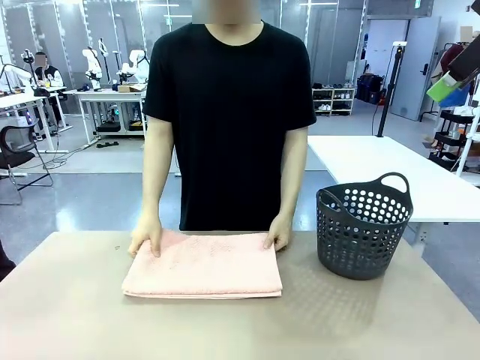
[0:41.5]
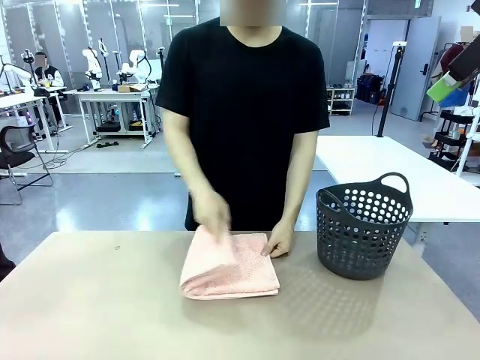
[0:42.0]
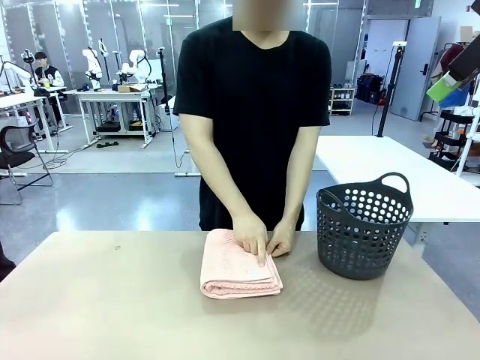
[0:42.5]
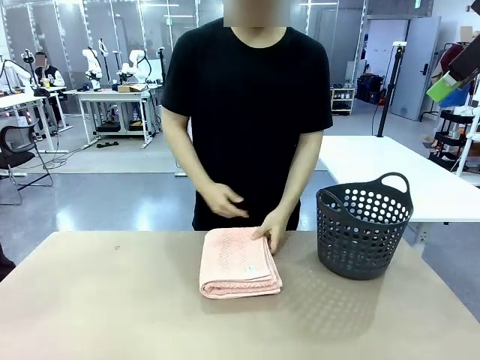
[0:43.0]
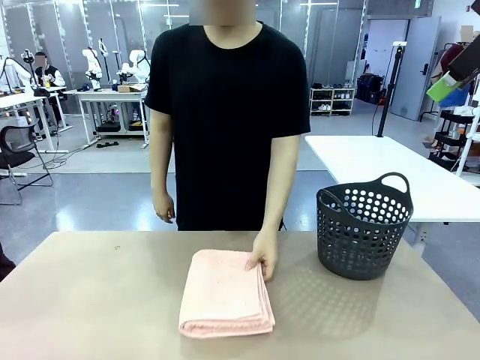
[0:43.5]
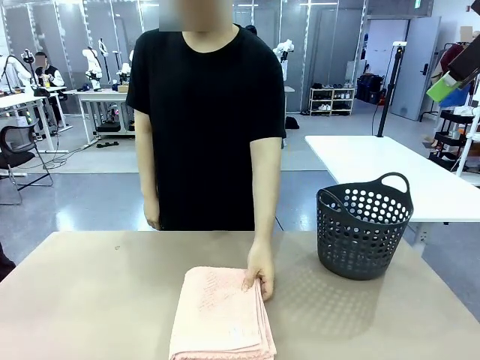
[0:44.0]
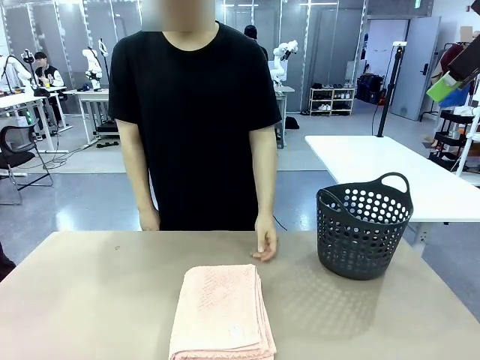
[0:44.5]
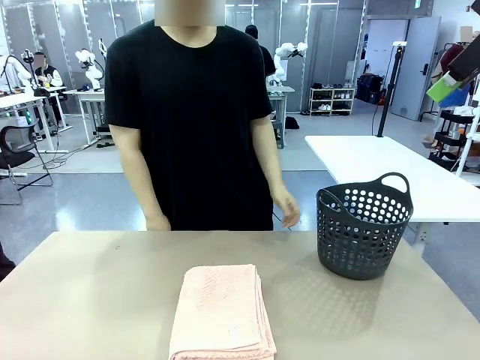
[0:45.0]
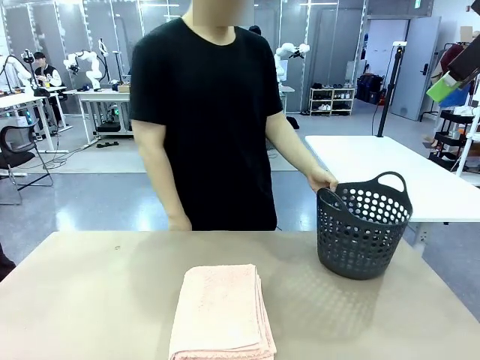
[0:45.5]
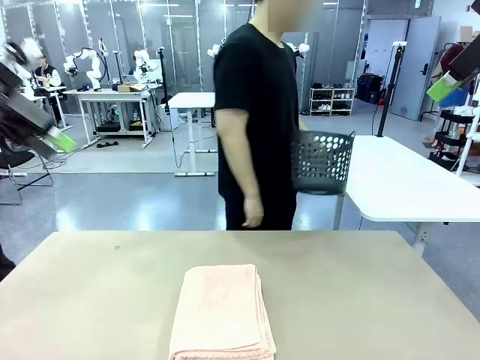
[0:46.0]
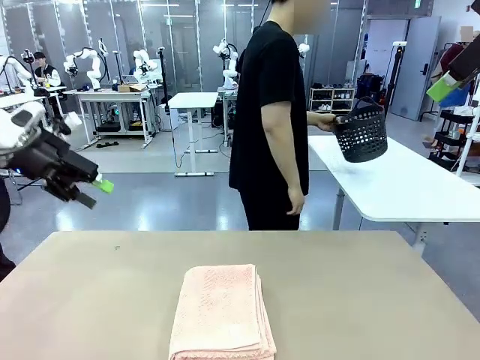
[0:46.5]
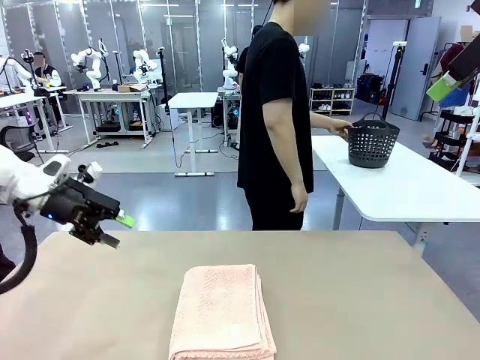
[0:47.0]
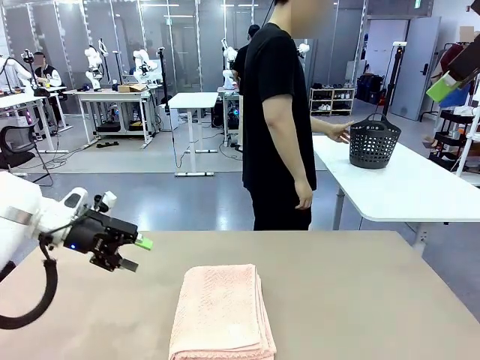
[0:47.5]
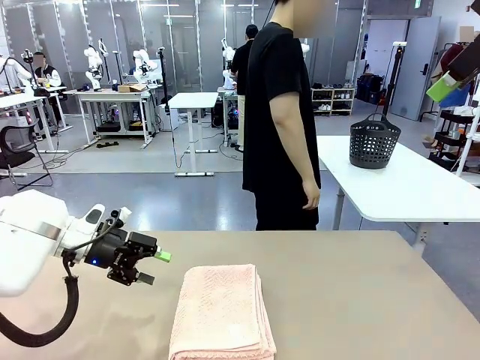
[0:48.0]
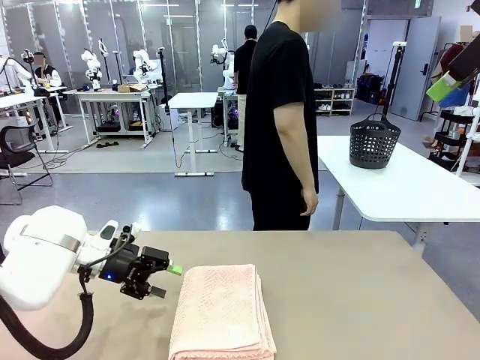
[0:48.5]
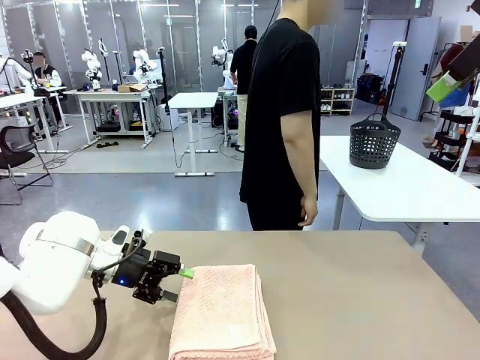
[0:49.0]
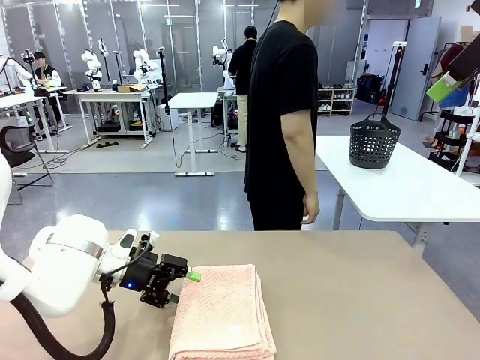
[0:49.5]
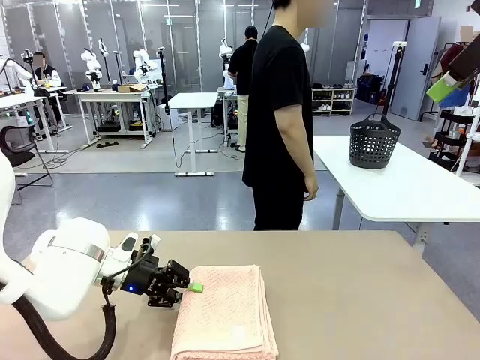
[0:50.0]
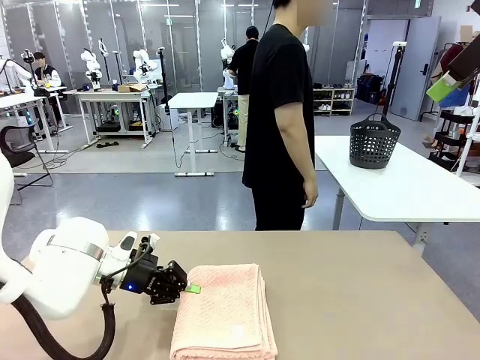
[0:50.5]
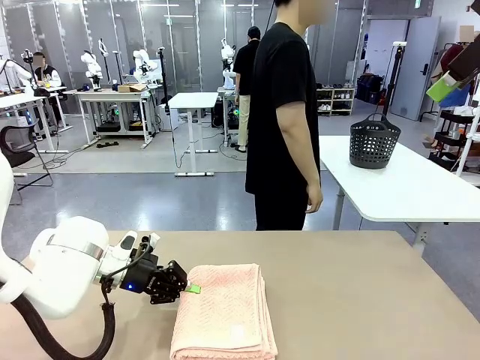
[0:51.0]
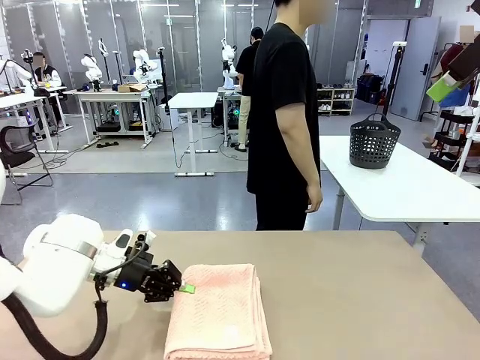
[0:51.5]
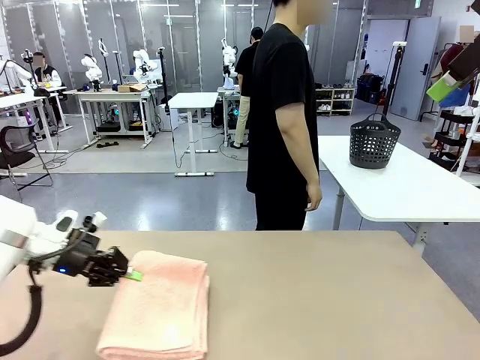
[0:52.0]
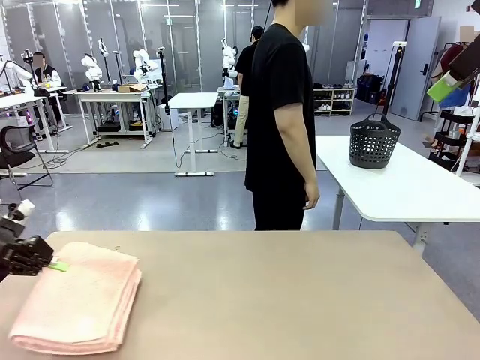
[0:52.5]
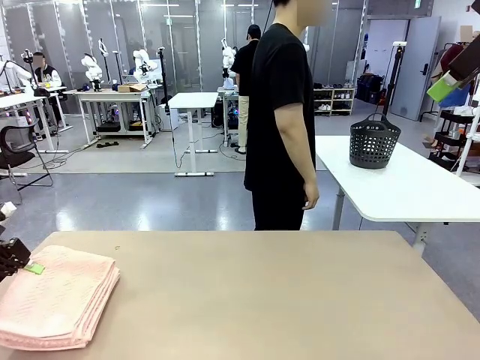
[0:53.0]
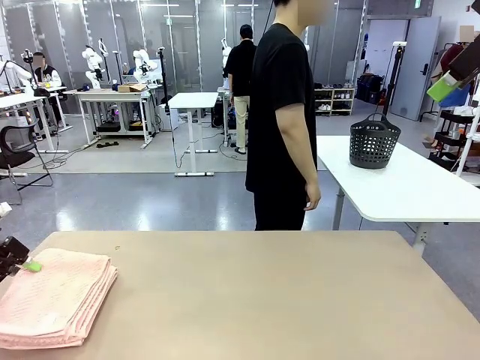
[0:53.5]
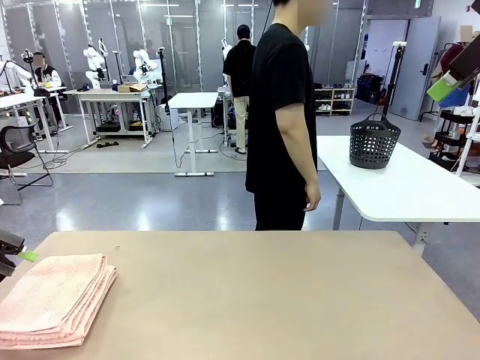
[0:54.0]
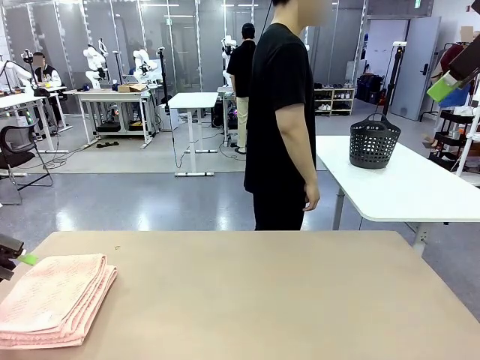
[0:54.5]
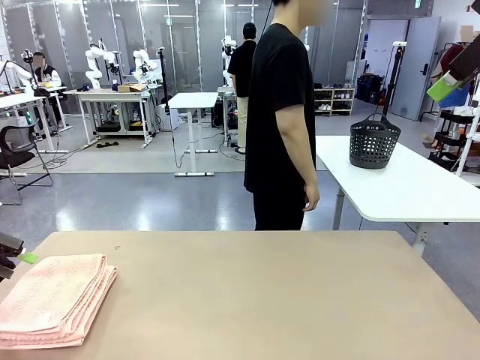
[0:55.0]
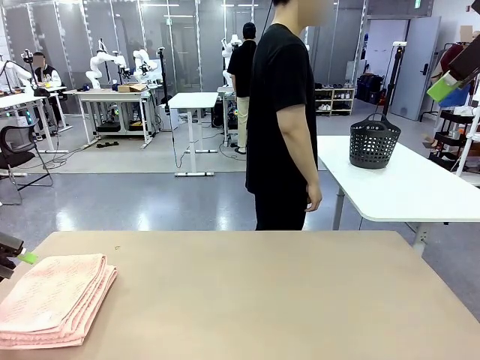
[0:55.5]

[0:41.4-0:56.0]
Task: Fold the towel.
Robot: Pick up the 100 cm Hotel Towel and place it on the left side of the table.
Person: Place the towel at the center of the robot table and fold it in half. Pick up the laundry basket and place it at the center of the human table.

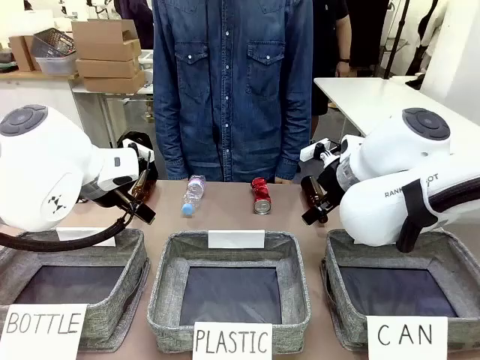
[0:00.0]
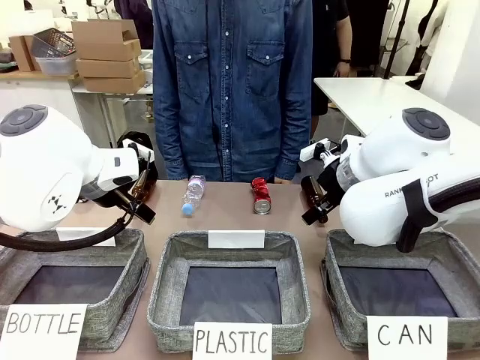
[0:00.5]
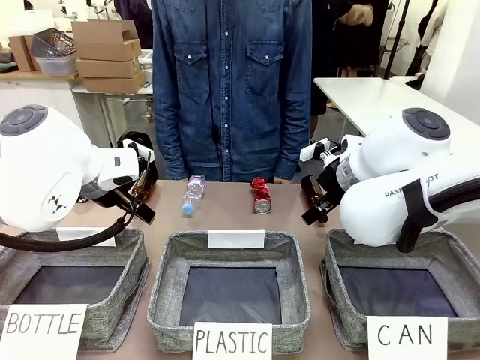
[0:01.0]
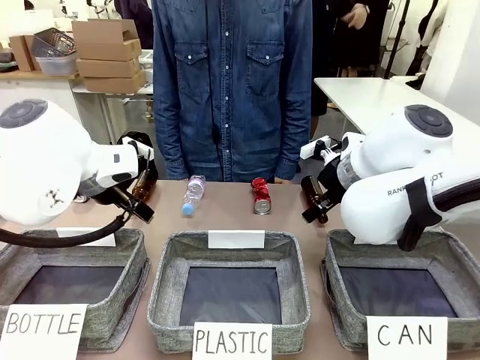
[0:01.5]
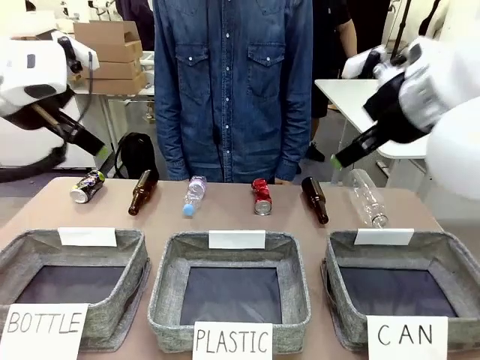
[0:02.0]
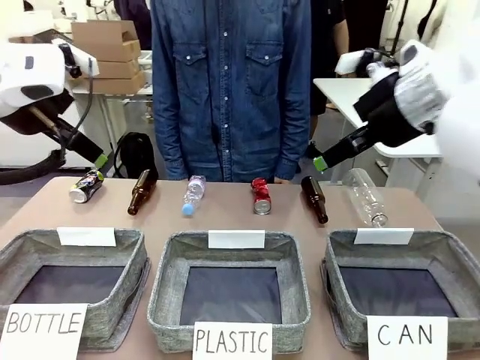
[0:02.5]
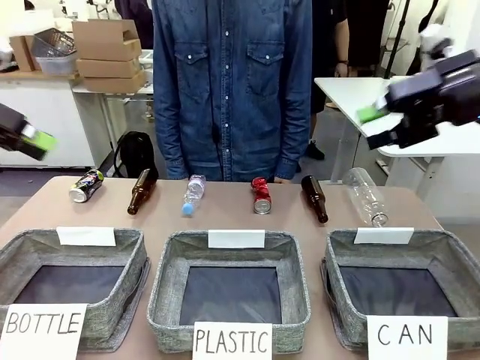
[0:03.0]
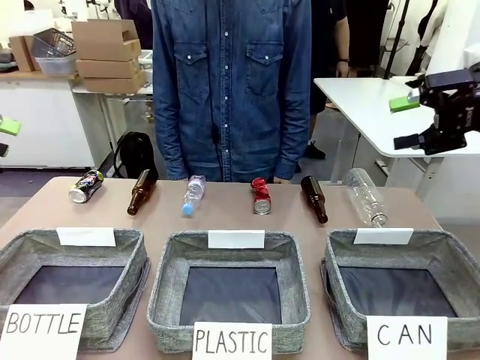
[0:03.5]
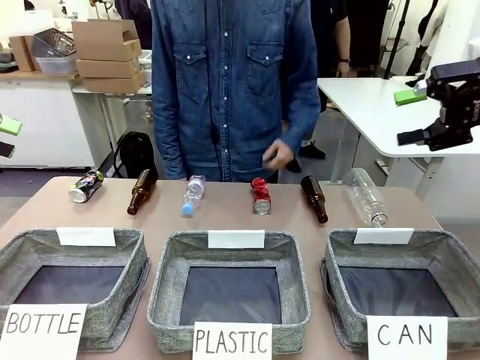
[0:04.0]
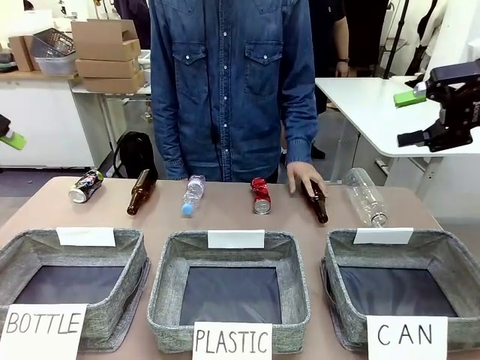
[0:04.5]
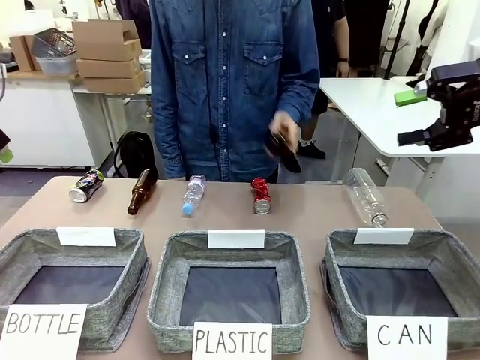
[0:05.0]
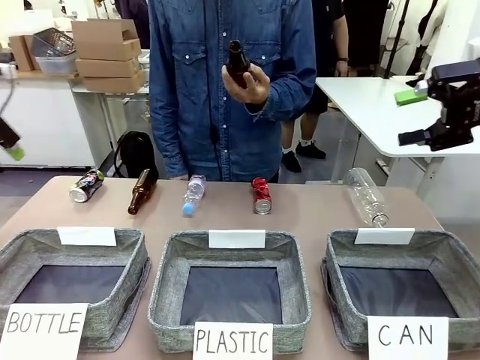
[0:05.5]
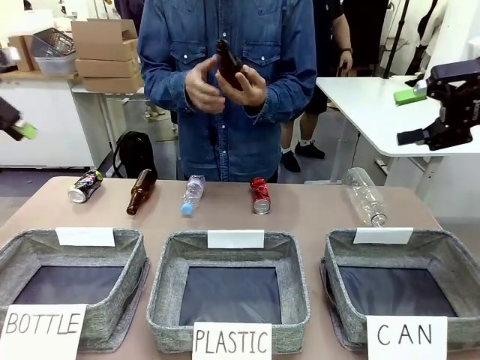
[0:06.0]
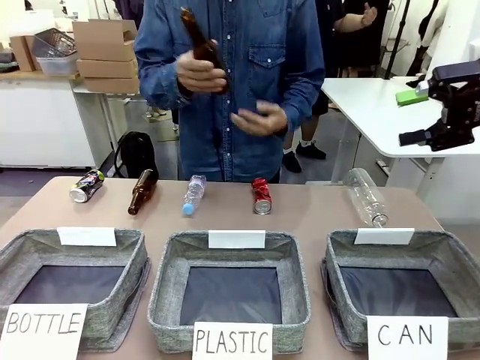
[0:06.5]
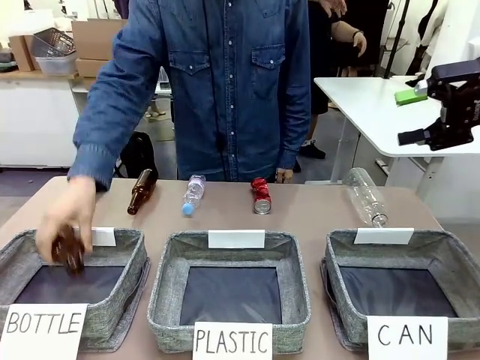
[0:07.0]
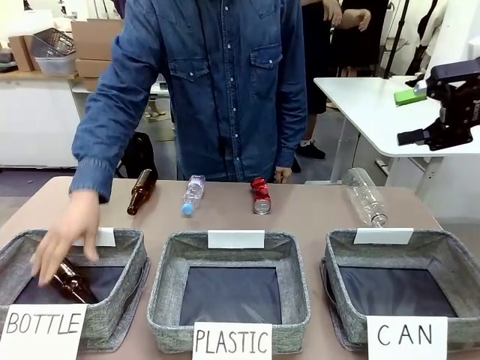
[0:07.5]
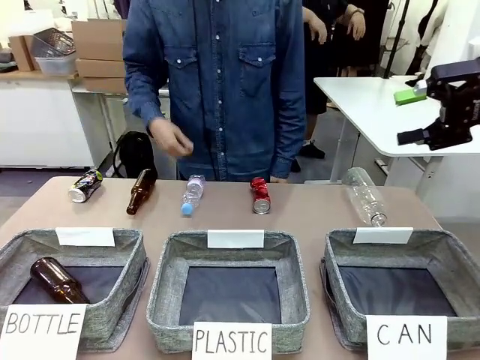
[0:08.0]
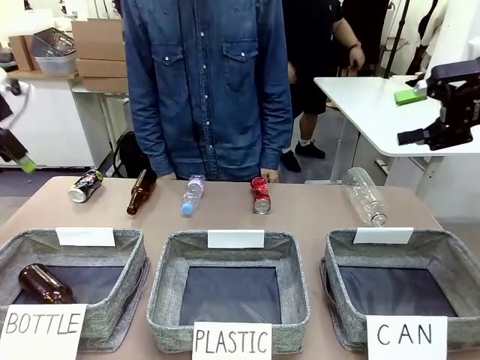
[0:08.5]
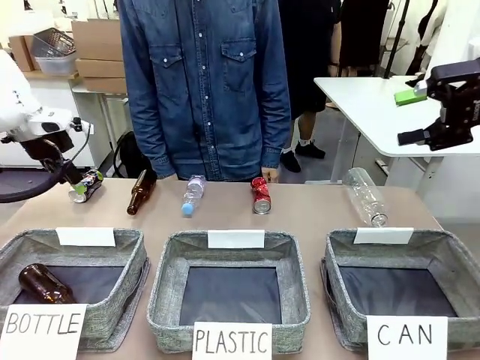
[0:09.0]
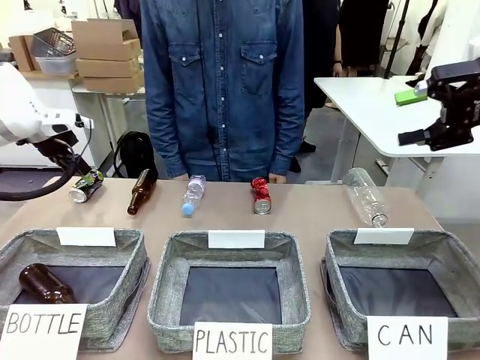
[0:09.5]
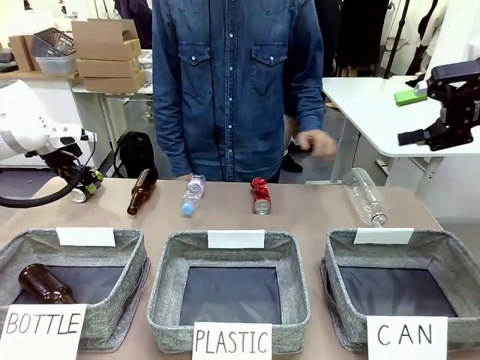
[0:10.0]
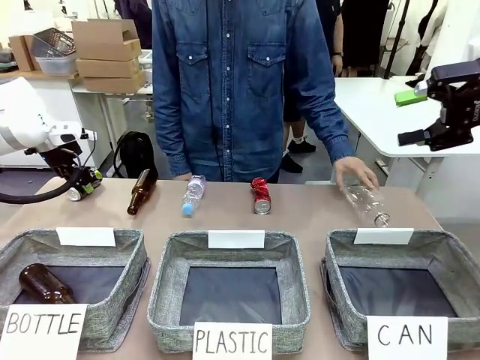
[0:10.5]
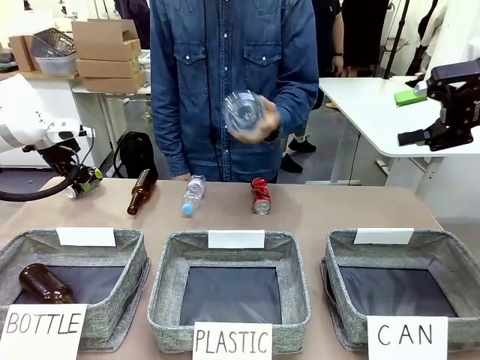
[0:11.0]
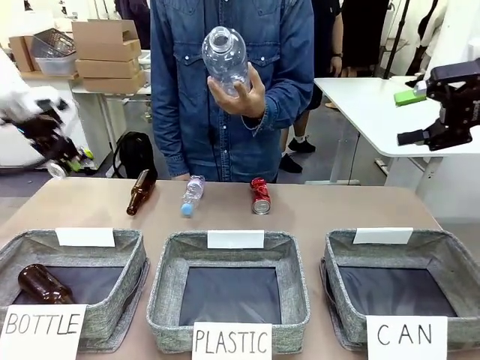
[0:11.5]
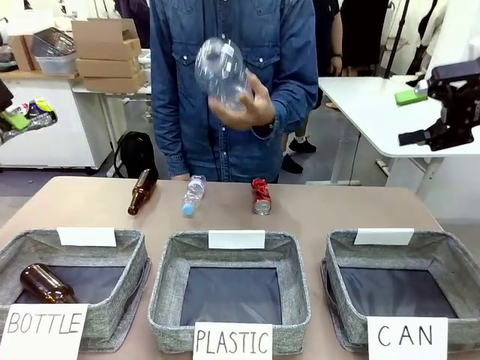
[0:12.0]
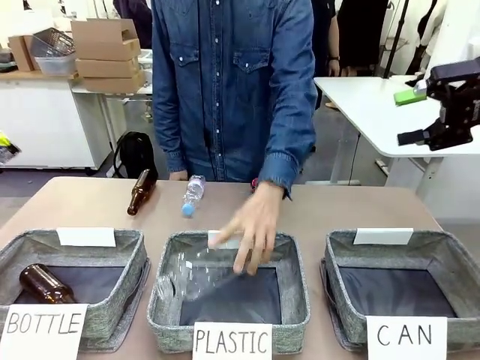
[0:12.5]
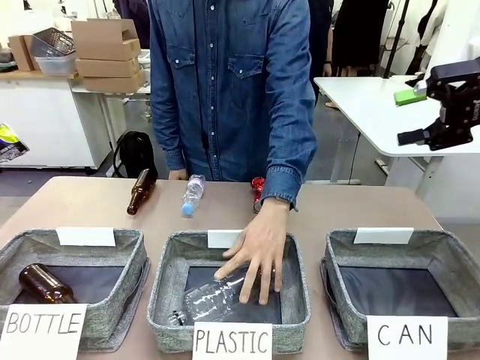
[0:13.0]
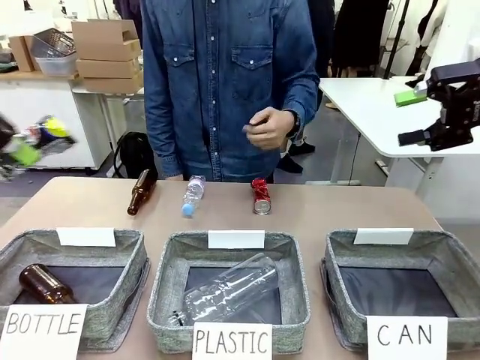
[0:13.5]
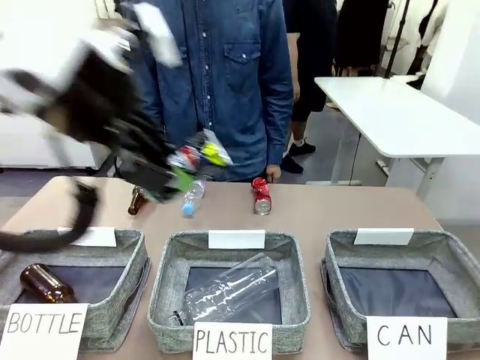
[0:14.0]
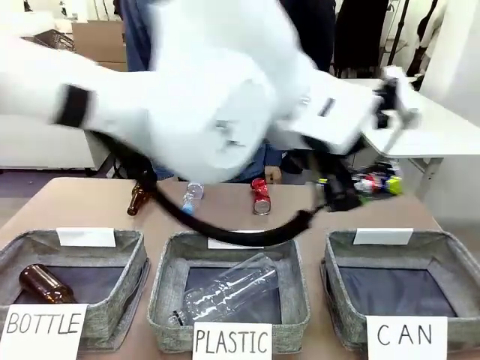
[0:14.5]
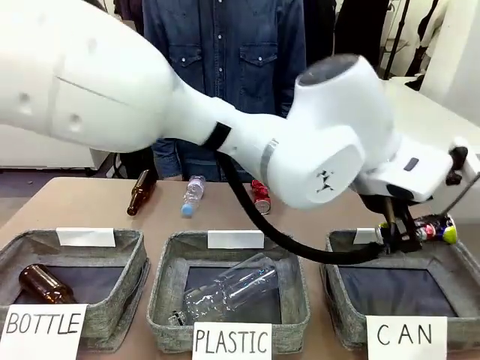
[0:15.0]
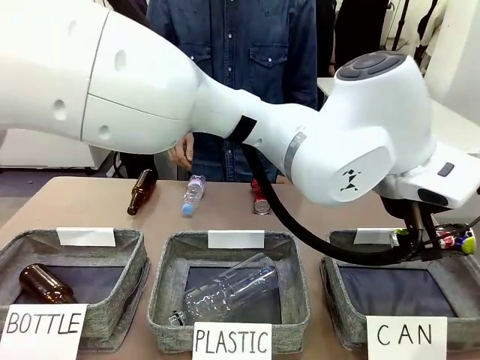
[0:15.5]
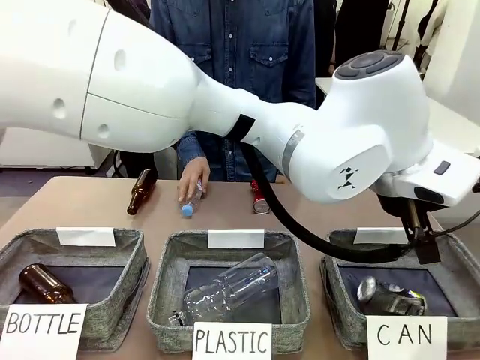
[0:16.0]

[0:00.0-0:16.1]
Task: Sort the can waste into the basket.
Robot: Pick up the can waste from the table and place it in the right Fabric basket.
